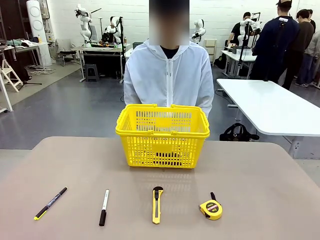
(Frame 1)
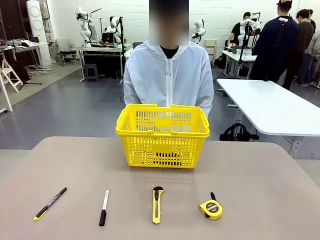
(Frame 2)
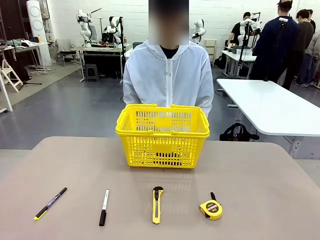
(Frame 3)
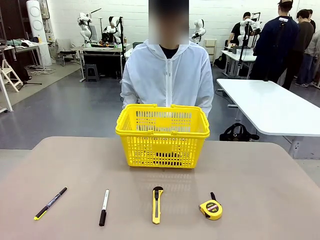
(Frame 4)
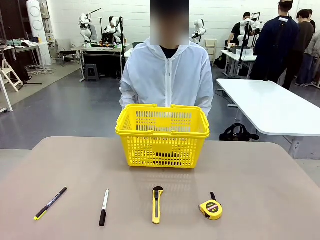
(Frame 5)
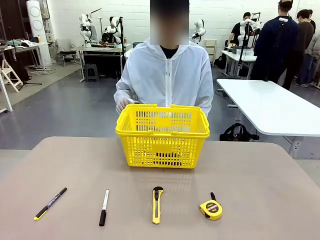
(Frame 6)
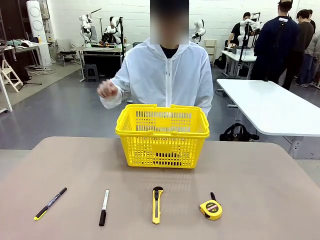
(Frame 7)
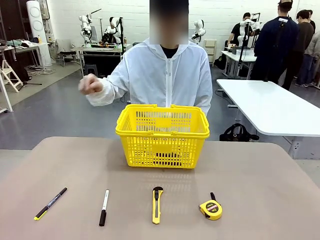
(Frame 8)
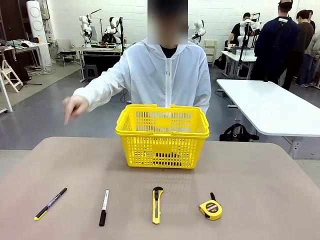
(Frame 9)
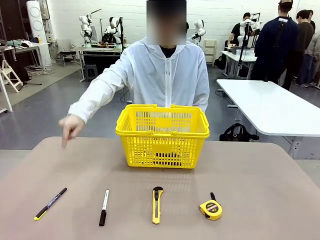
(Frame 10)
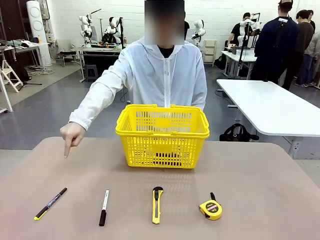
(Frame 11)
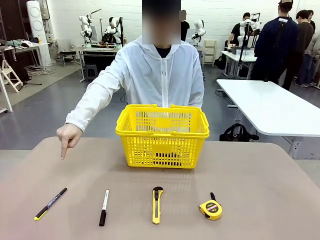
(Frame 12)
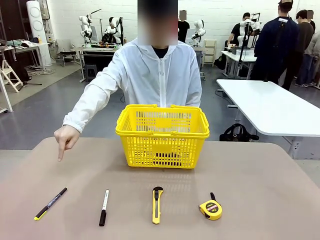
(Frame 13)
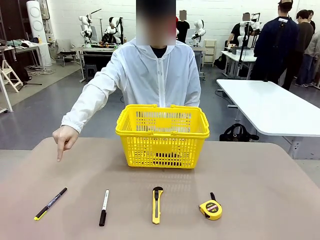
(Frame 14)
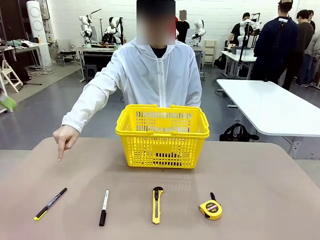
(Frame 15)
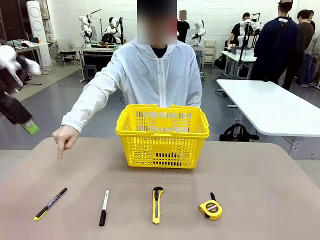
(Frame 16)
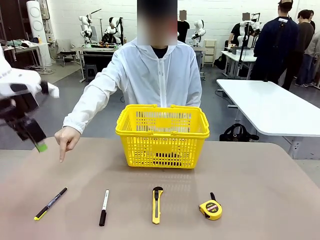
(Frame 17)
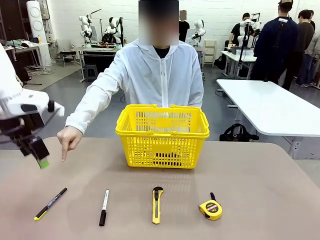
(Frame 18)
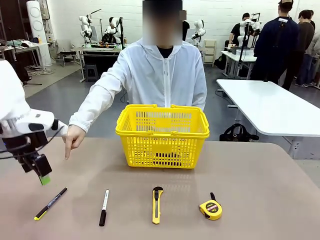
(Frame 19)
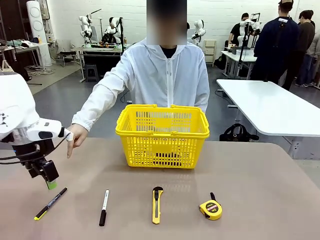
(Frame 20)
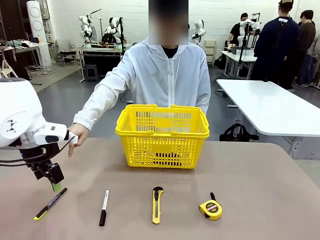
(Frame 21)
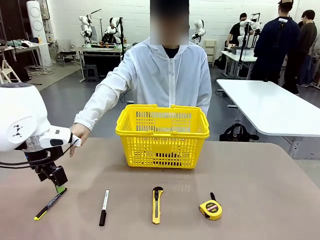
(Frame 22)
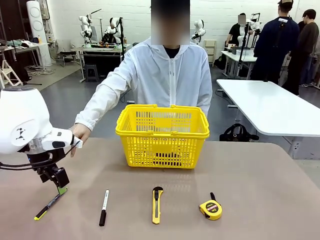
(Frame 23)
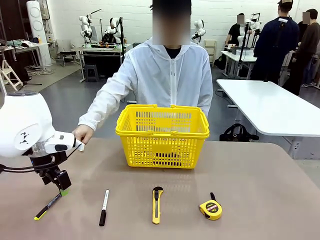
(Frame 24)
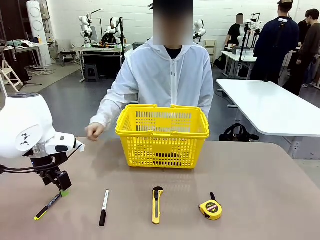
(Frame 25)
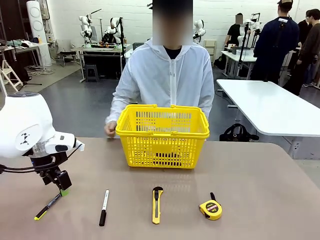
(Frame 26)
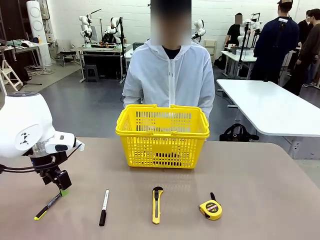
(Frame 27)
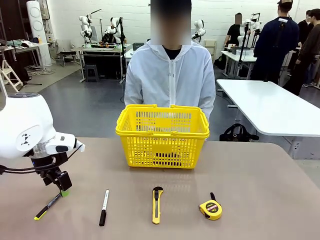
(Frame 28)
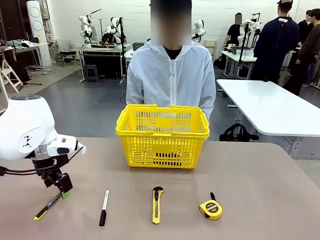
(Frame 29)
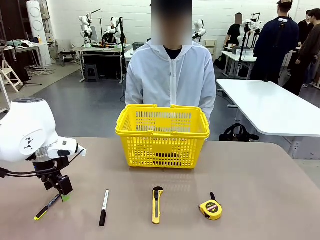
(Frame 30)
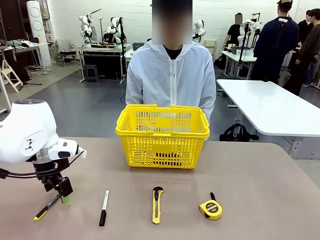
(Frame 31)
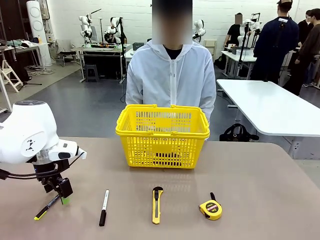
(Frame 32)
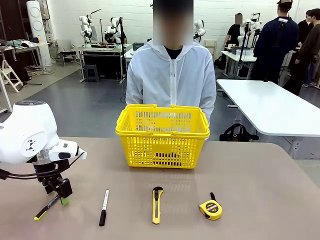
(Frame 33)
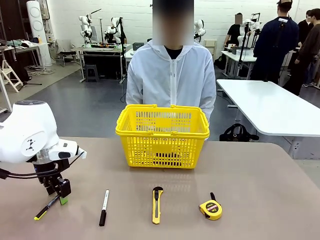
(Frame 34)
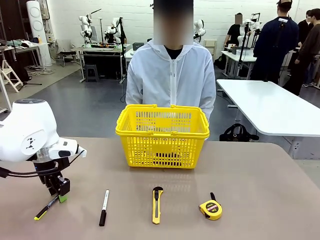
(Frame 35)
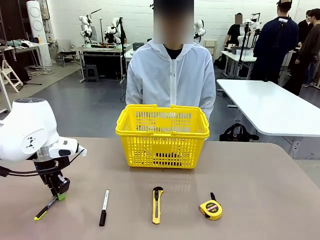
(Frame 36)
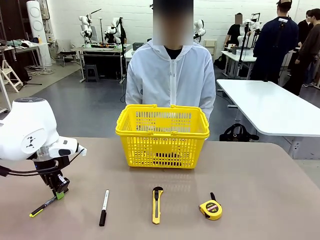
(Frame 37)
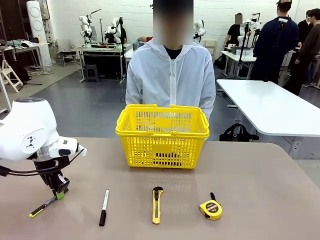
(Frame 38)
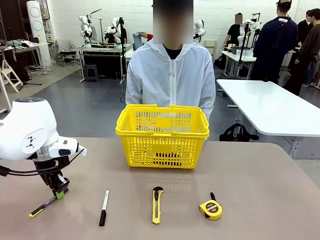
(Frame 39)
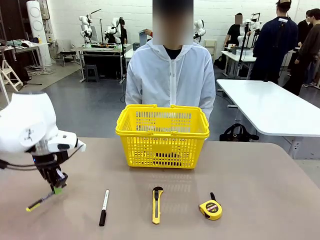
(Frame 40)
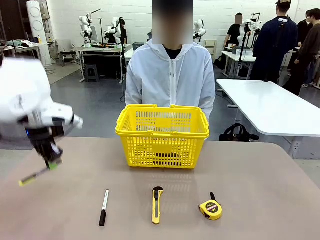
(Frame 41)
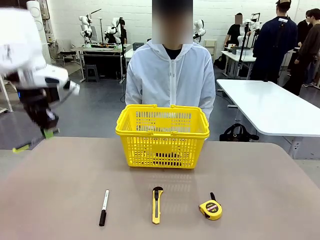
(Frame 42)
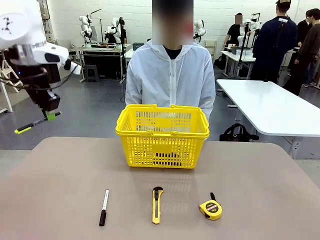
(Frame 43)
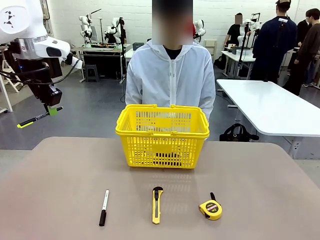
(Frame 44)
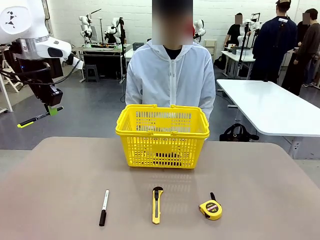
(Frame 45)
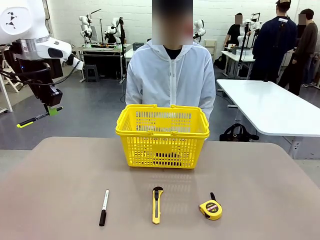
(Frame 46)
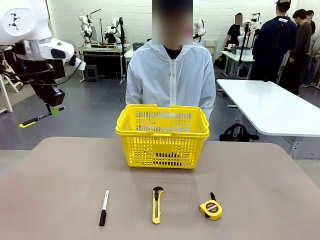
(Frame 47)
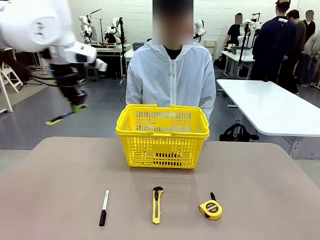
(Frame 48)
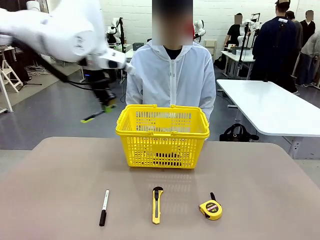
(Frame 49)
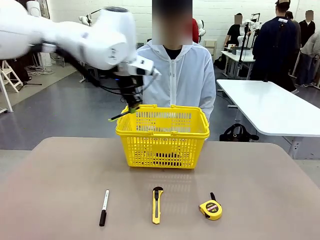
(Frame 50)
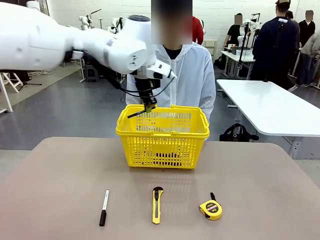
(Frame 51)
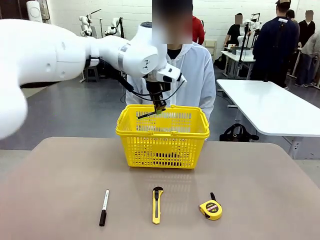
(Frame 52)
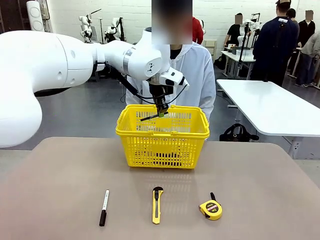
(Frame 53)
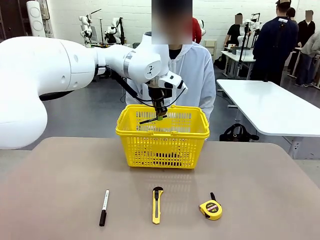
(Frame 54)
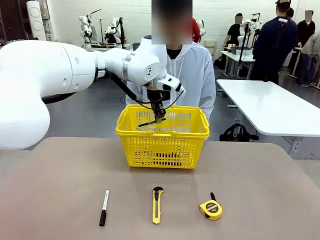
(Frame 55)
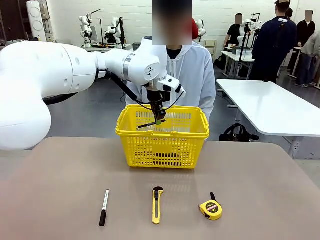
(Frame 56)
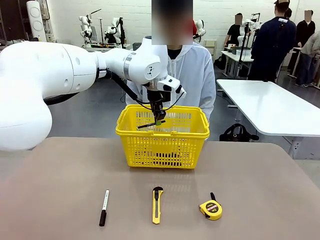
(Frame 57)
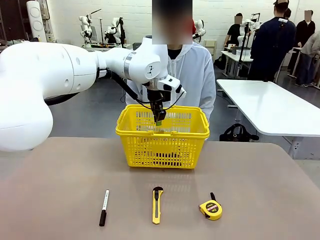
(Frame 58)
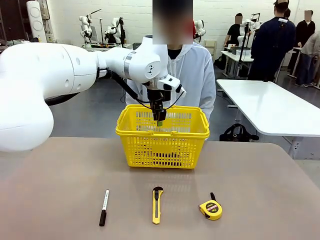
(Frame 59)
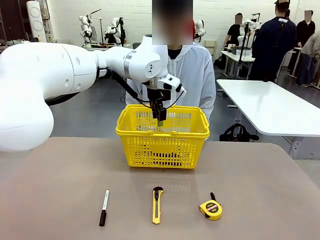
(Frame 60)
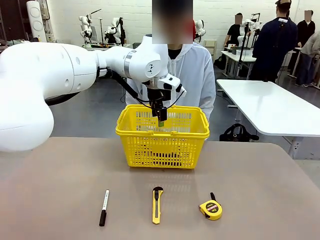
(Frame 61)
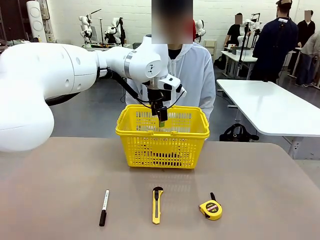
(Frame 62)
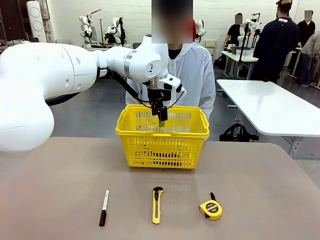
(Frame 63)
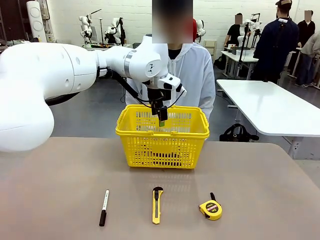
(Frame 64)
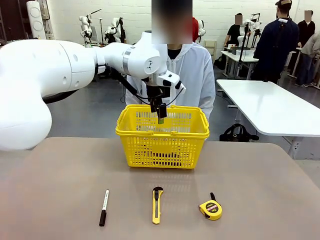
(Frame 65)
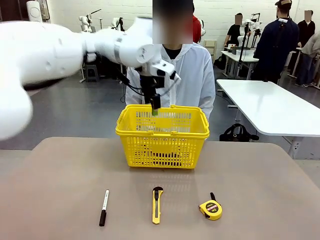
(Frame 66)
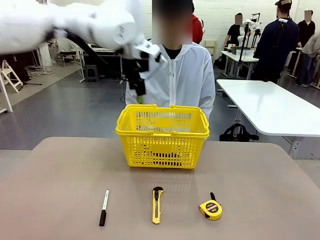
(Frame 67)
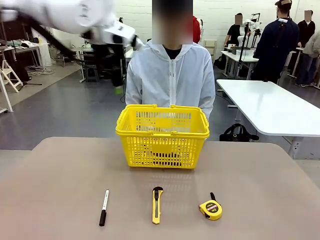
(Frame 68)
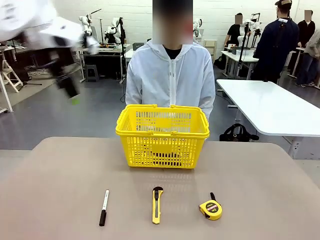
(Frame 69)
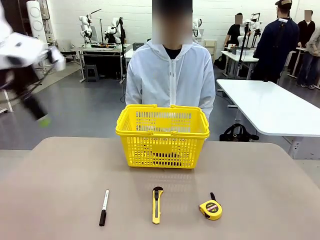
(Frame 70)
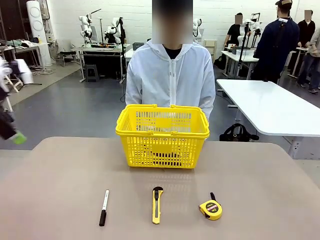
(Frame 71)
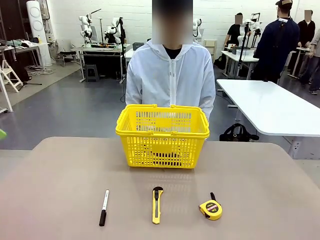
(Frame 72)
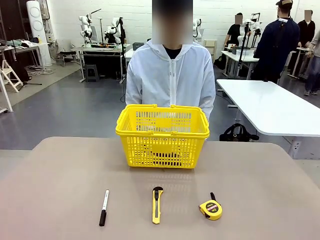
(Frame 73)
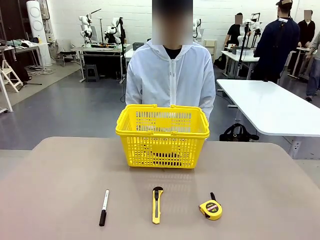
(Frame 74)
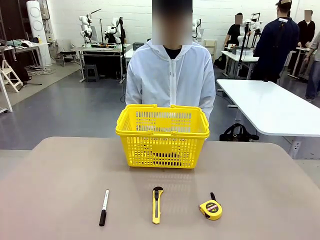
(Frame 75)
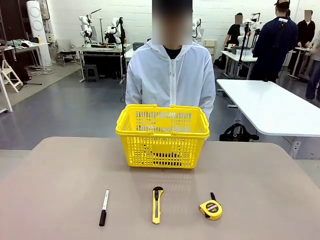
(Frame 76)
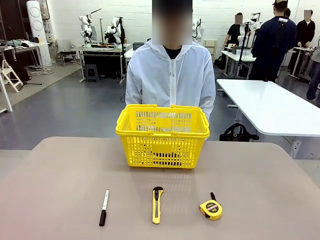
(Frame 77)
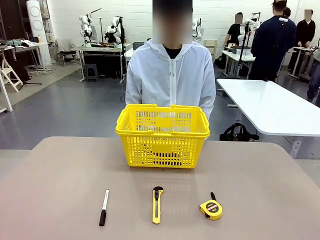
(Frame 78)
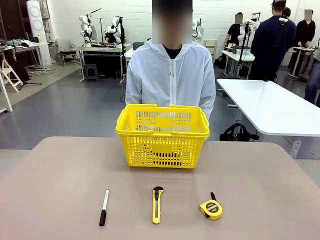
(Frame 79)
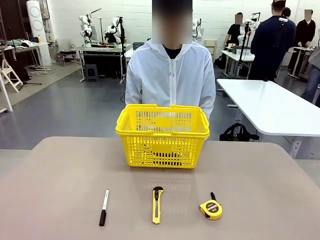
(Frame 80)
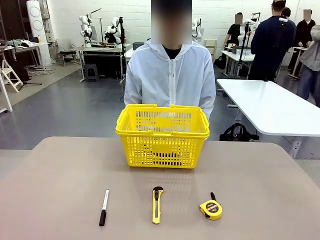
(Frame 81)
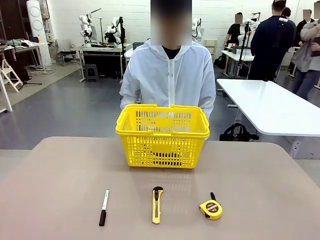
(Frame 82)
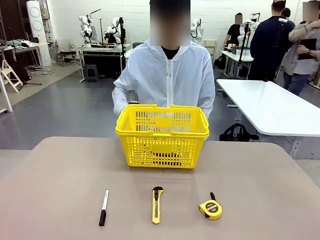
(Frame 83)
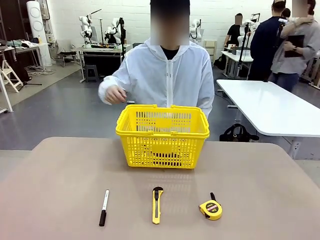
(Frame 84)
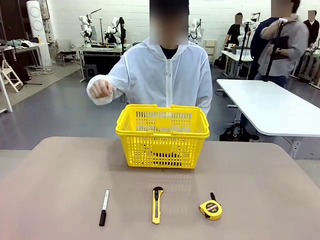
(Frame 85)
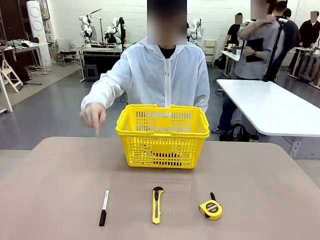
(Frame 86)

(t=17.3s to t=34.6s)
Task: Place the items the person wants into the basket.
Robot: Pick up the item the person points to and place it in the Market Basket.
